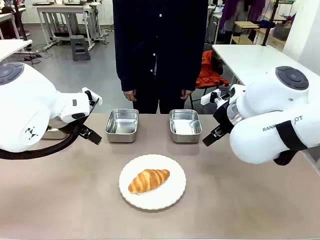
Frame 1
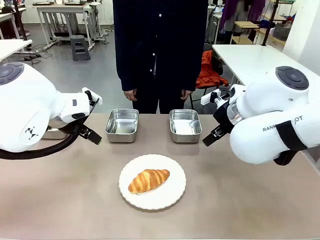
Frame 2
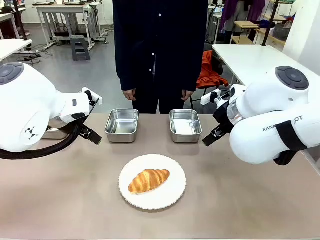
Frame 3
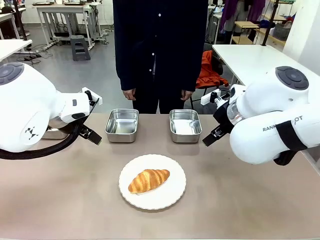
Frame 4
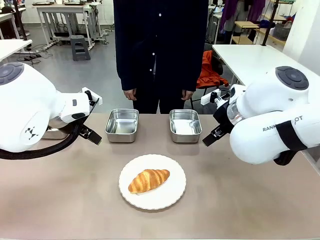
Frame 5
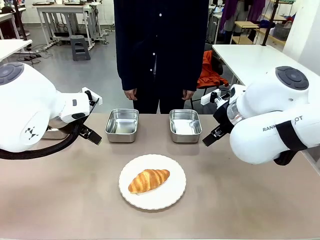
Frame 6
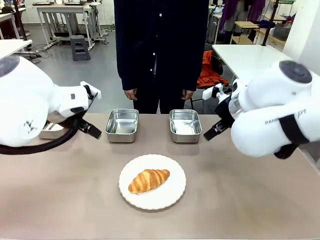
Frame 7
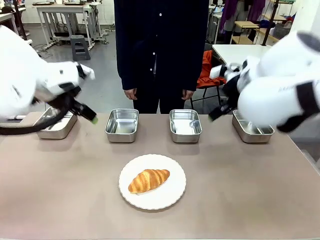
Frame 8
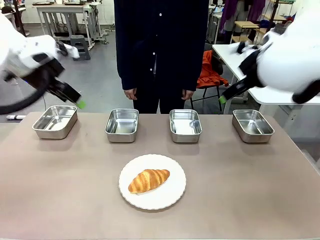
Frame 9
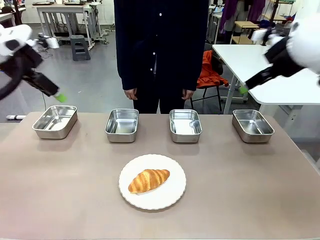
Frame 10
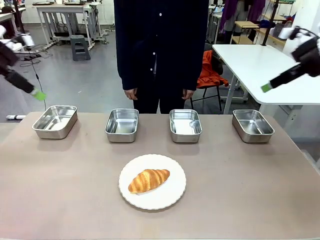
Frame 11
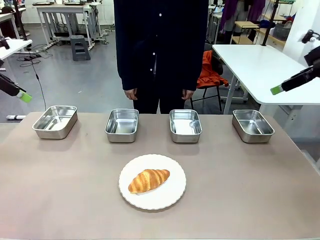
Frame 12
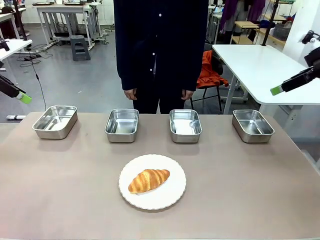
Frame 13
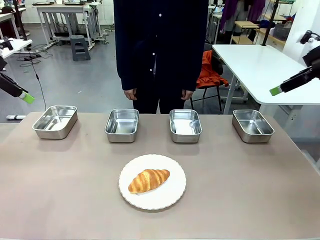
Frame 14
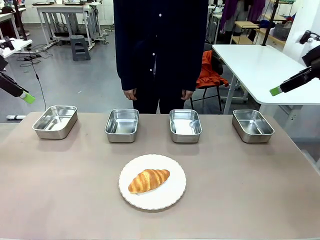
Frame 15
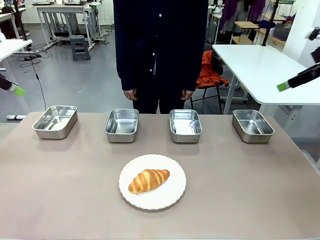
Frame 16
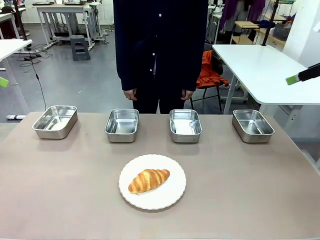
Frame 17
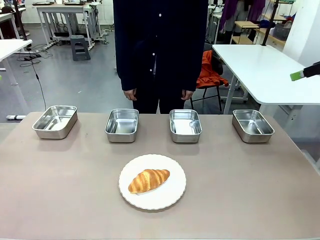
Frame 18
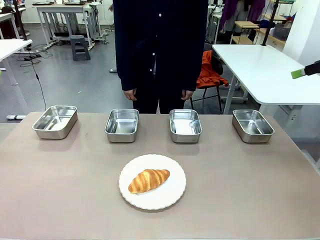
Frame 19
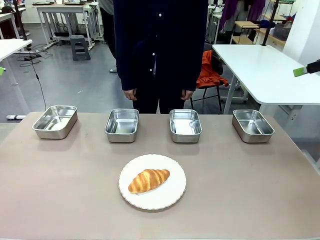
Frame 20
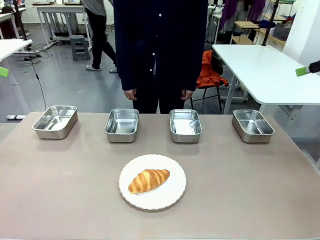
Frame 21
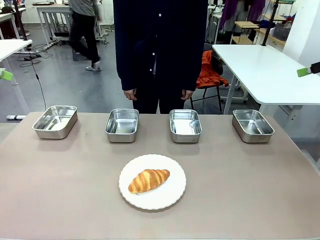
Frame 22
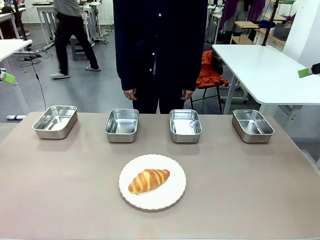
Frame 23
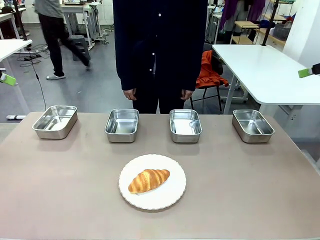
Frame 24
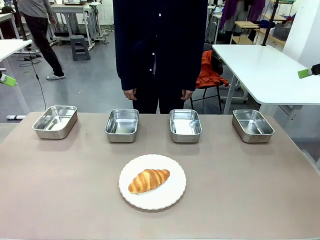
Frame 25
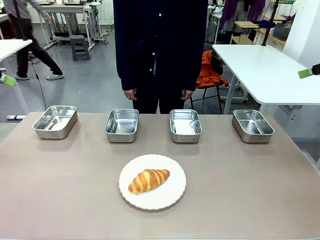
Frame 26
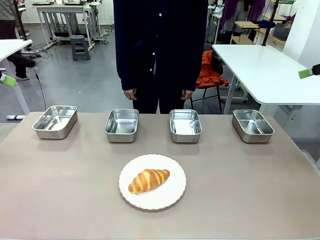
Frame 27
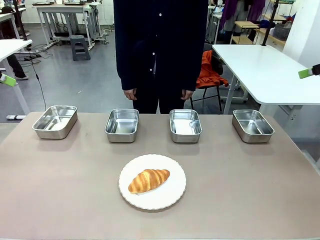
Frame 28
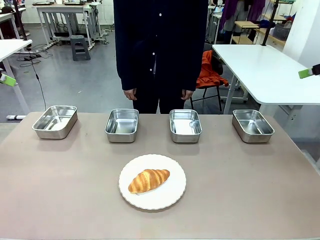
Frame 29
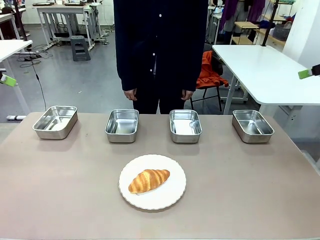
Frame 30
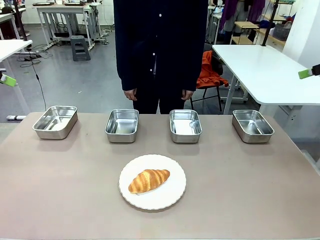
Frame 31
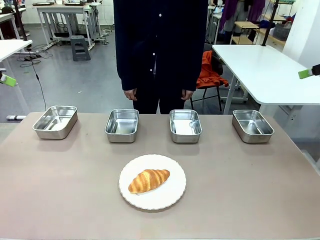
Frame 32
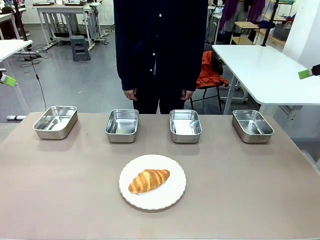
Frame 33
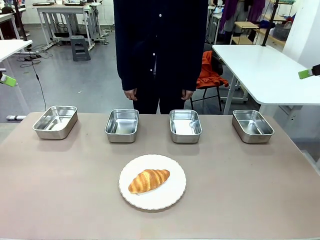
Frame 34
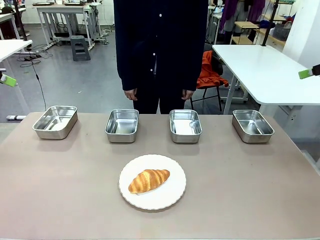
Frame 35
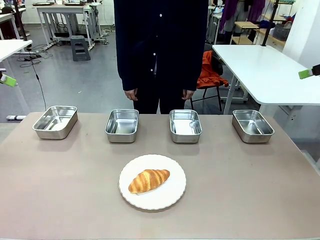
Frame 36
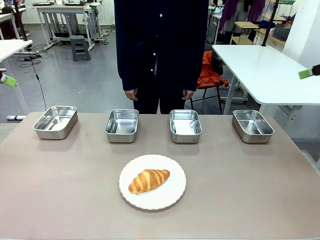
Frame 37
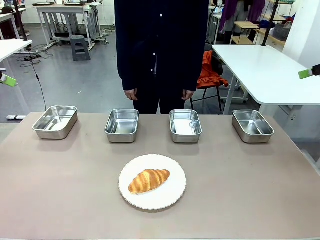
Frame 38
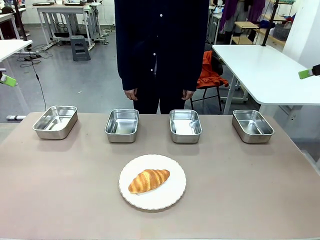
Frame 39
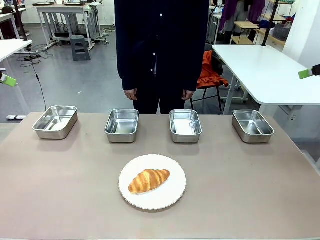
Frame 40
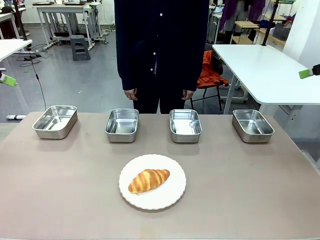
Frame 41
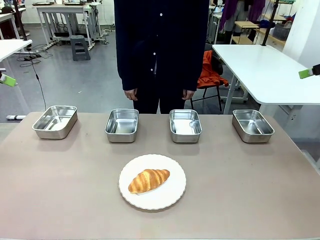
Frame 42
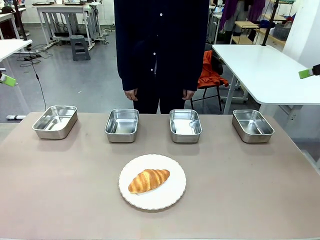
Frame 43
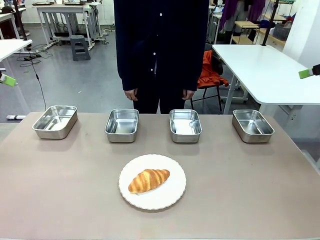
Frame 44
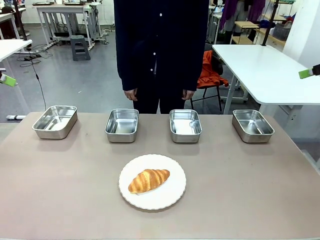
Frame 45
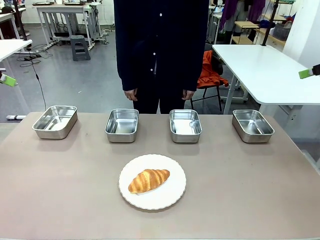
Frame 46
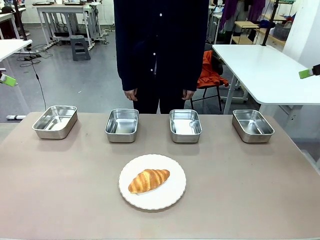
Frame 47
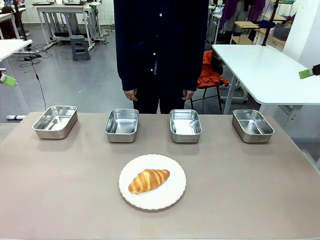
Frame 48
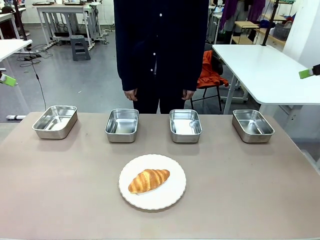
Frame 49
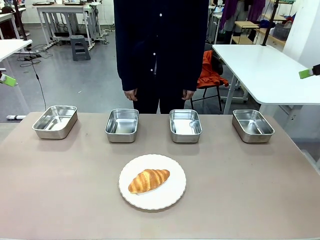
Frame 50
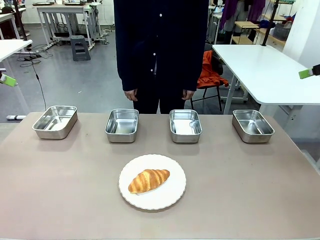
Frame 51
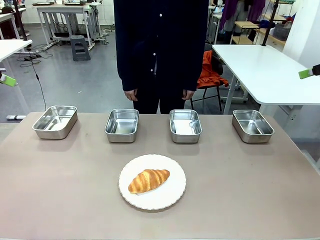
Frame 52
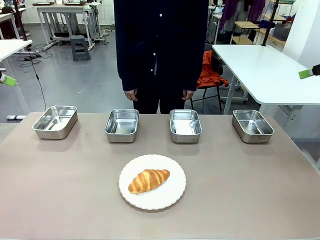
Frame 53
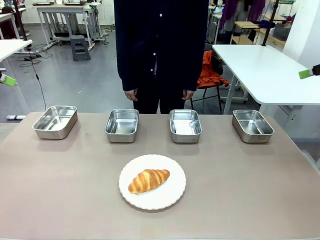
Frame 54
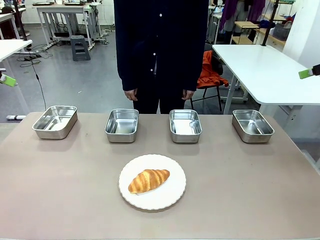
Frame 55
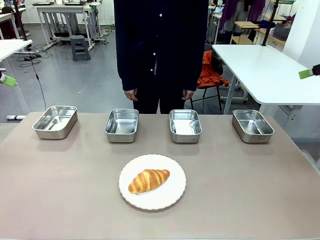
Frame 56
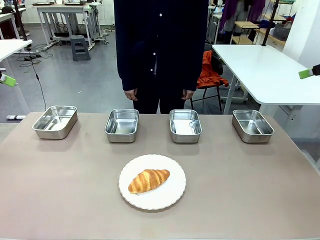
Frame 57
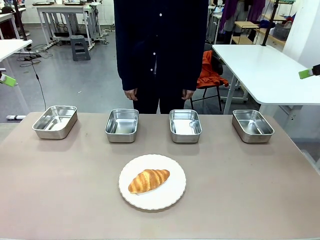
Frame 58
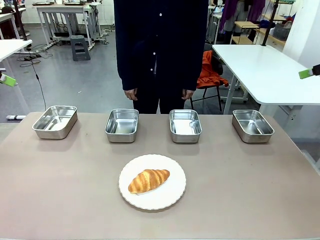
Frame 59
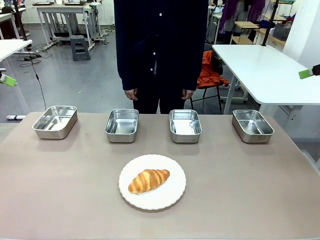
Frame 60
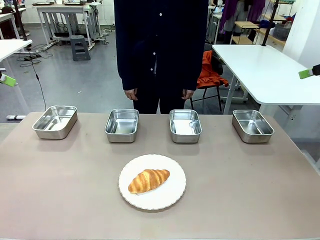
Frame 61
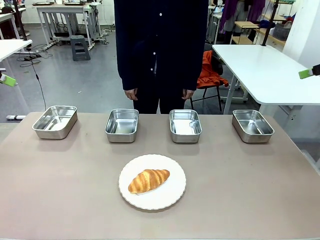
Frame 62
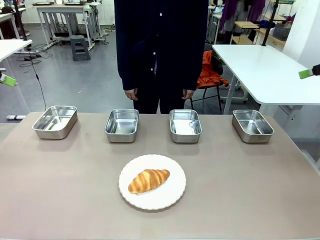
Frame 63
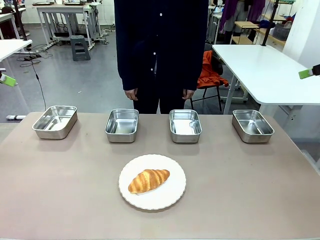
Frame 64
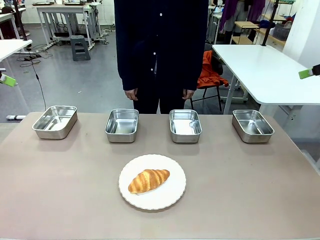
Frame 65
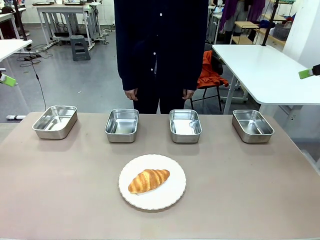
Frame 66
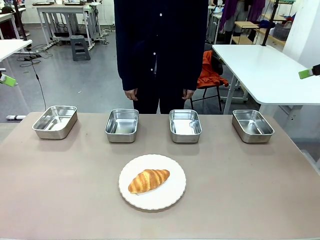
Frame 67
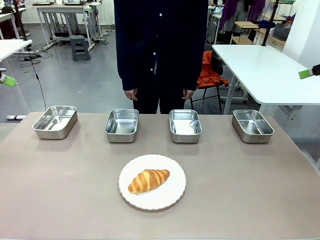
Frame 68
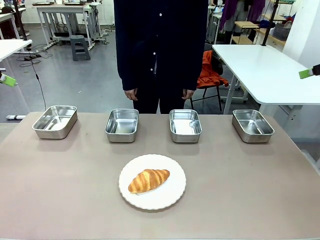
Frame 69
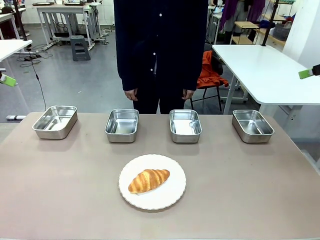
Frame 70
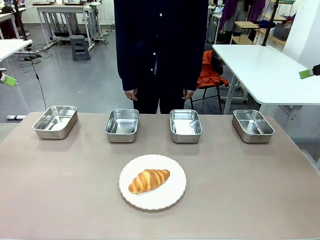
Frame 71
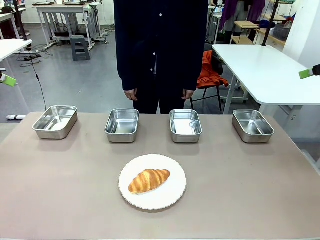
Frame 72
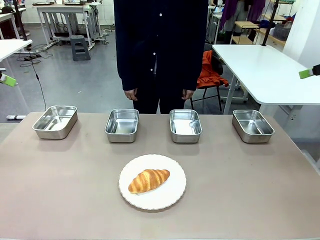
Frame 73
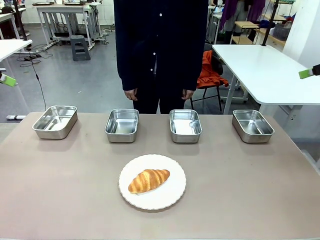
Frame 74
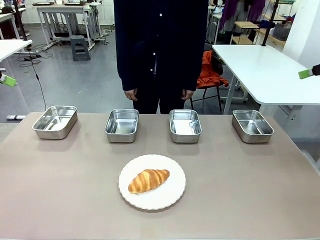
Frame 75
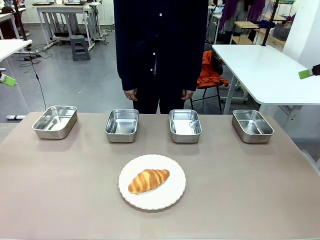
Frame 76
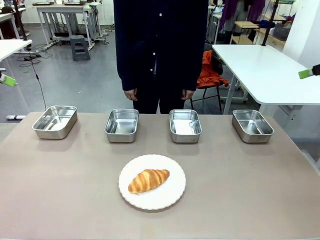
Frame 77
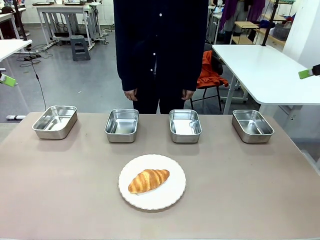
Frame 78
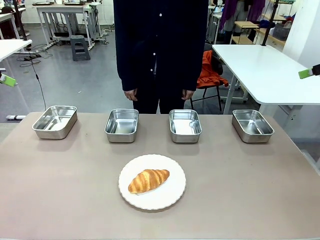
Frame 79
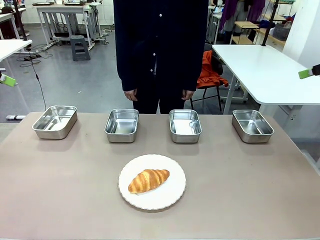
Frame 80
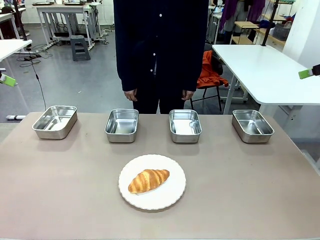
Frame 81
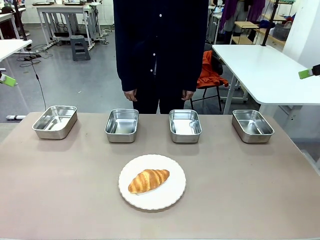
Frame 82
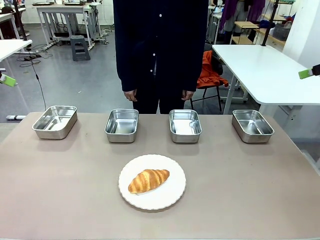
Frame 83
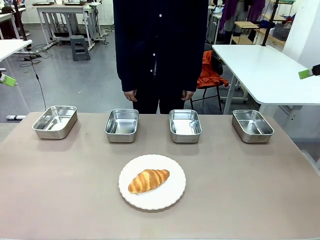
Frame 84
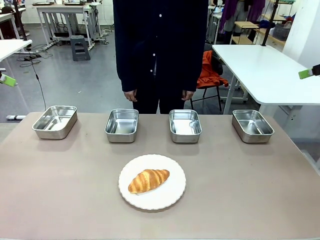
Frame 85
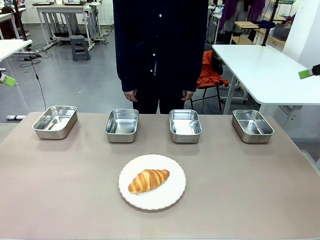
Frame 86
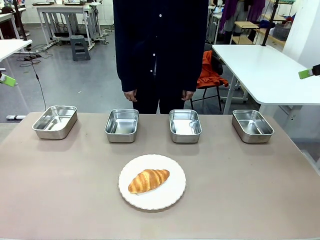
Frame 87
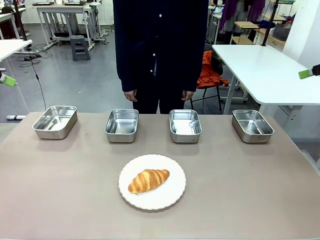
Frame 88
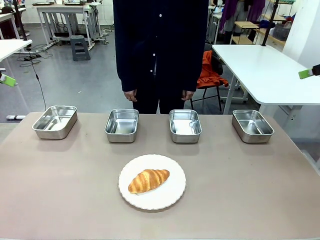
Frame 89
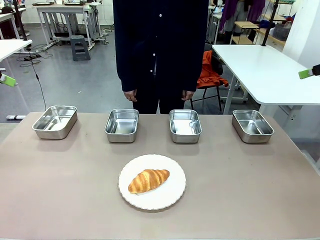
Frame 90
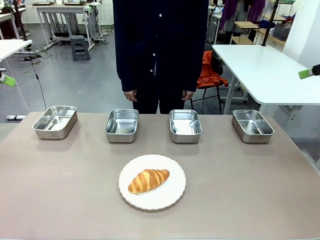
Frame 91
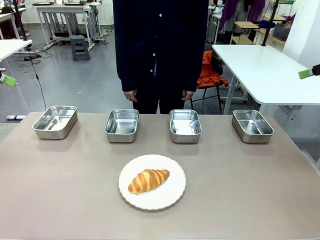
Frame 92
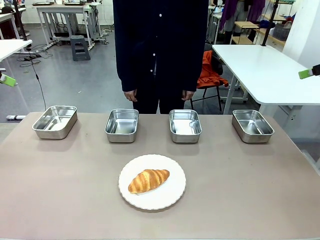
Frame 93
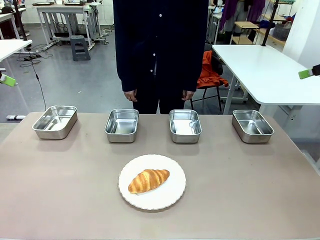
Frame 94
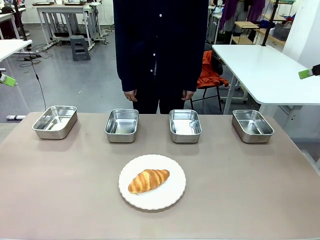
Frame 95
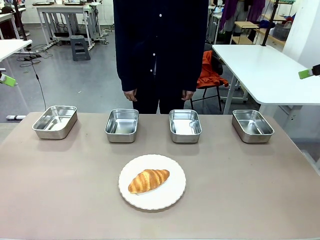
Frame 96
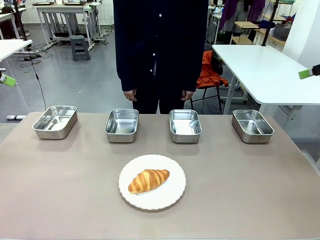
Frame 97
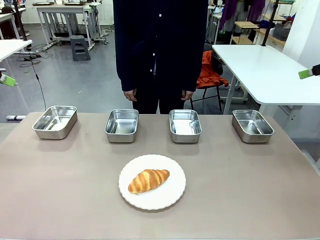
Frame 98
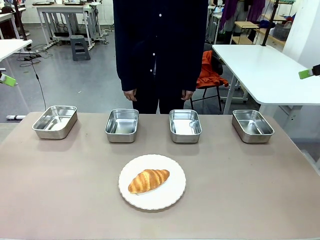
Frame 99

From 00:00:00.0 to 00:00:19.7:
Task: Place the bread in the container.
Robot: Place the Butter Roll into the Airtight Container indicated by the human.
